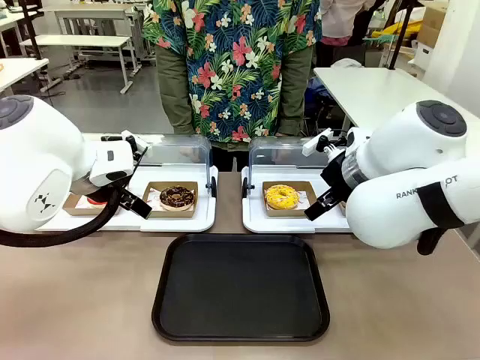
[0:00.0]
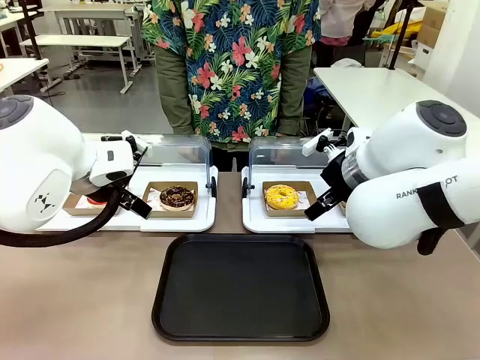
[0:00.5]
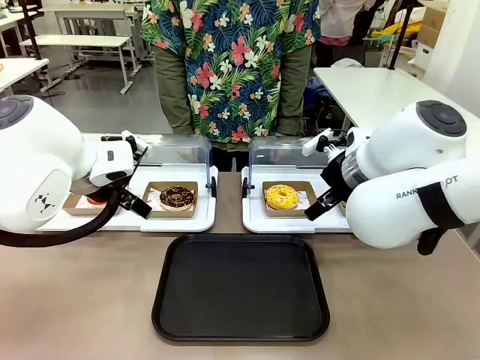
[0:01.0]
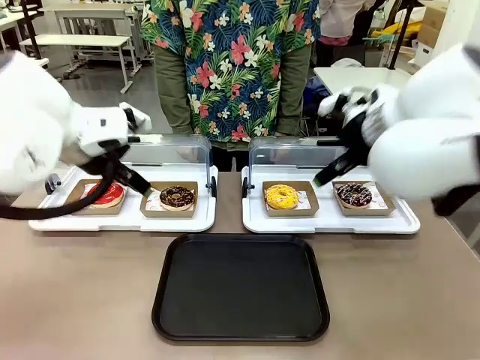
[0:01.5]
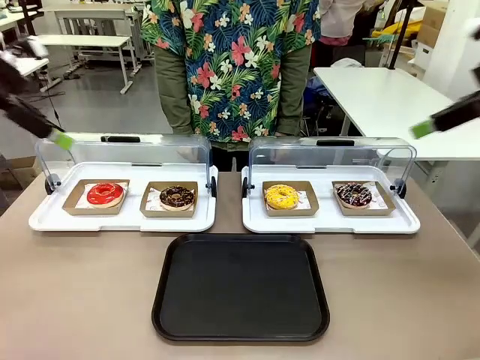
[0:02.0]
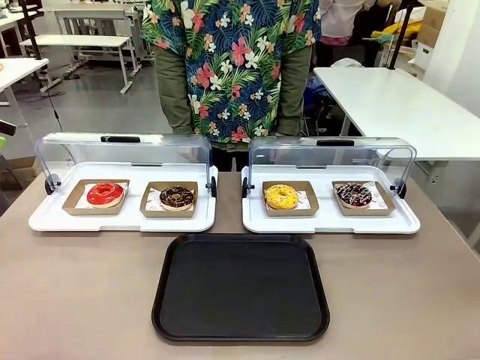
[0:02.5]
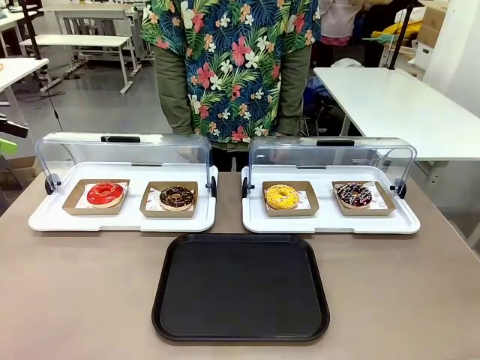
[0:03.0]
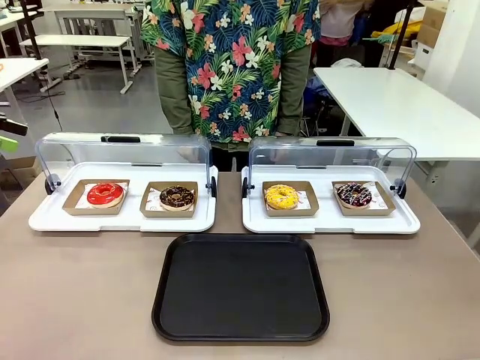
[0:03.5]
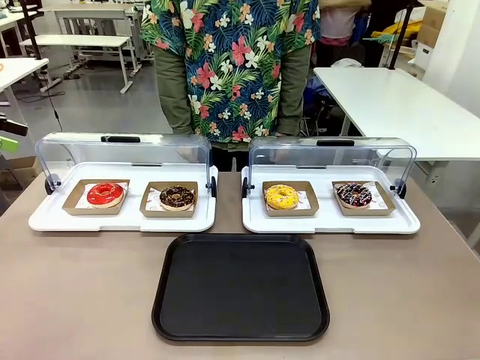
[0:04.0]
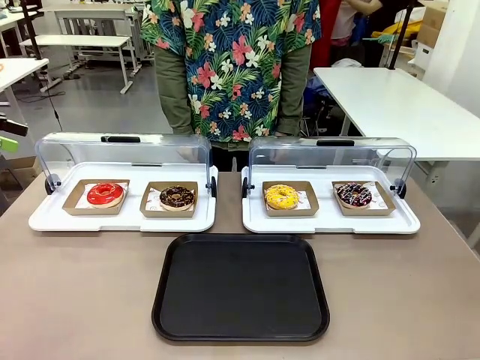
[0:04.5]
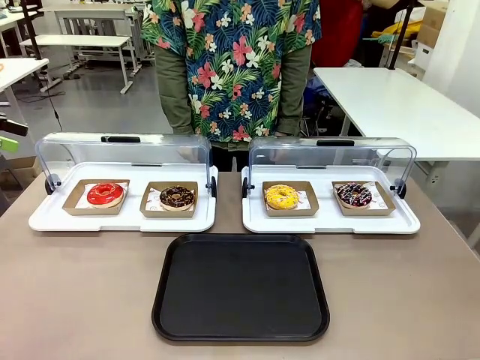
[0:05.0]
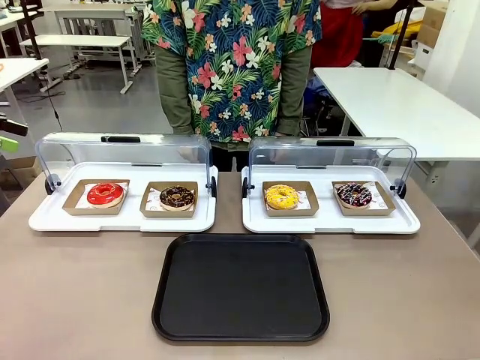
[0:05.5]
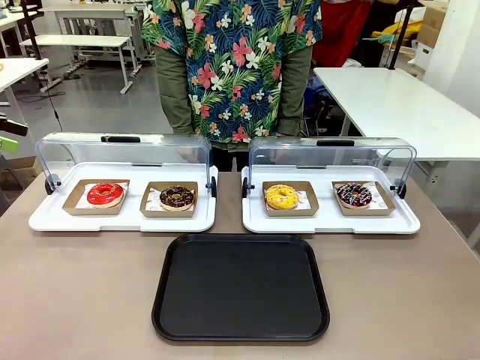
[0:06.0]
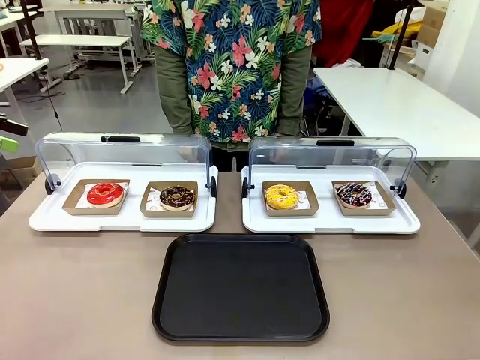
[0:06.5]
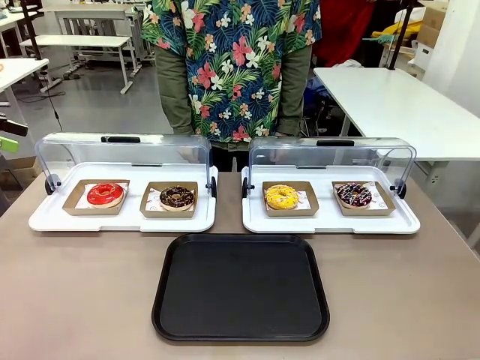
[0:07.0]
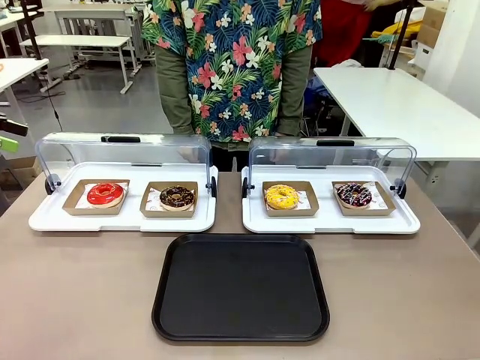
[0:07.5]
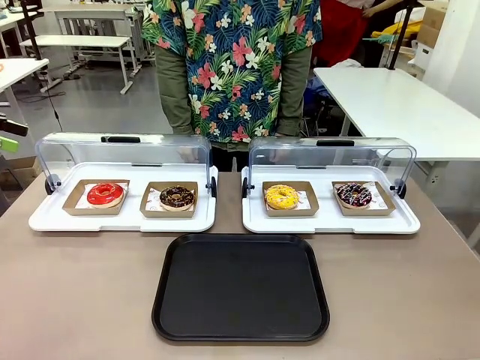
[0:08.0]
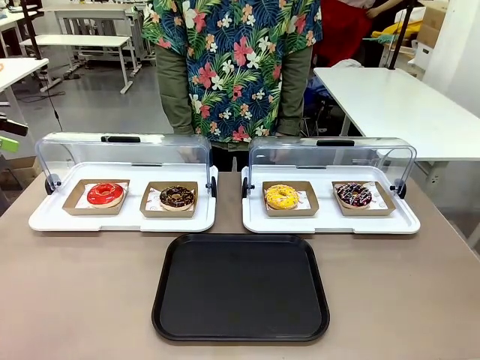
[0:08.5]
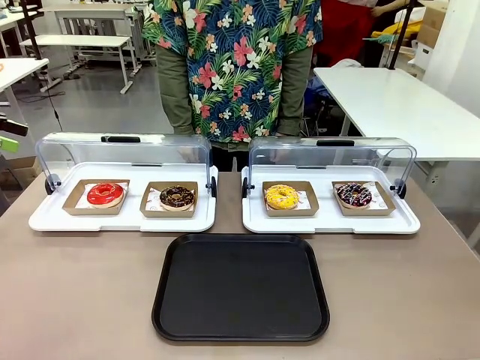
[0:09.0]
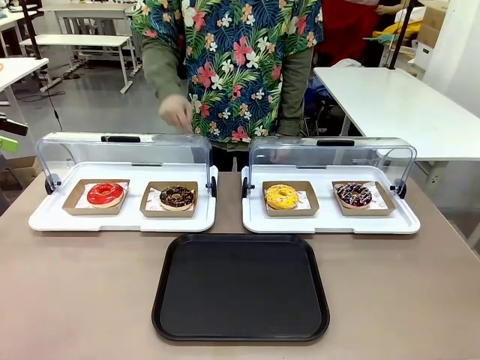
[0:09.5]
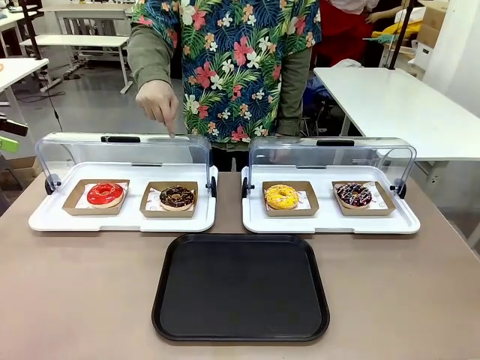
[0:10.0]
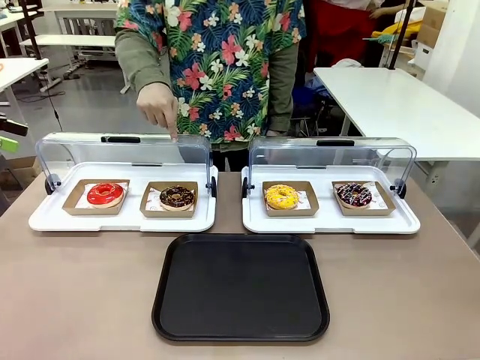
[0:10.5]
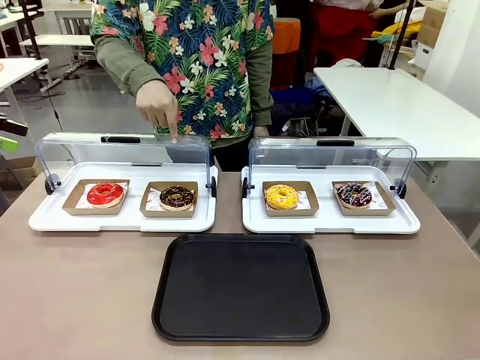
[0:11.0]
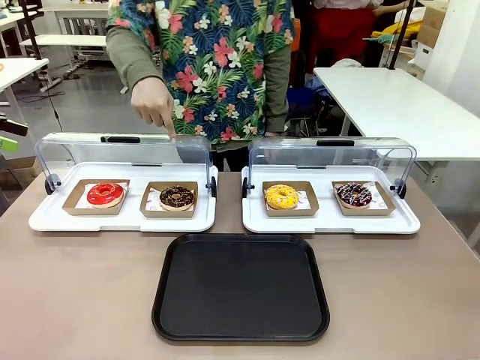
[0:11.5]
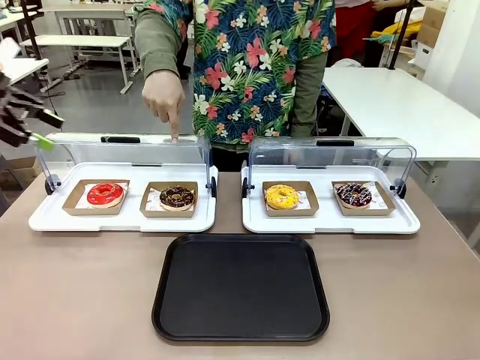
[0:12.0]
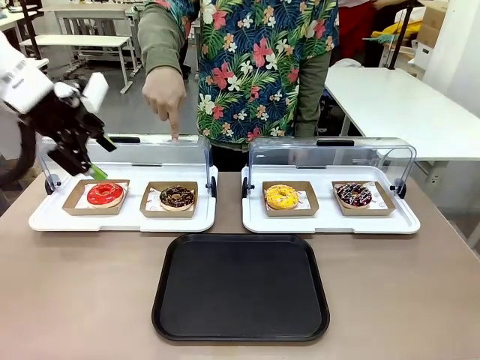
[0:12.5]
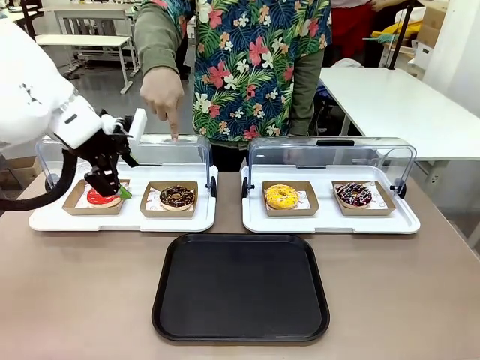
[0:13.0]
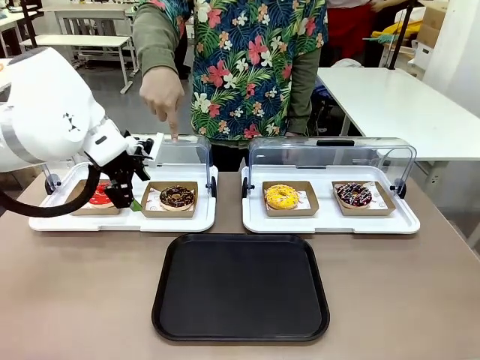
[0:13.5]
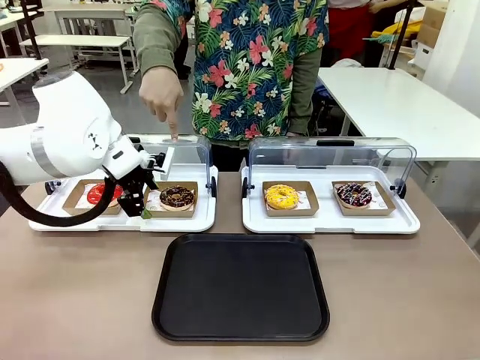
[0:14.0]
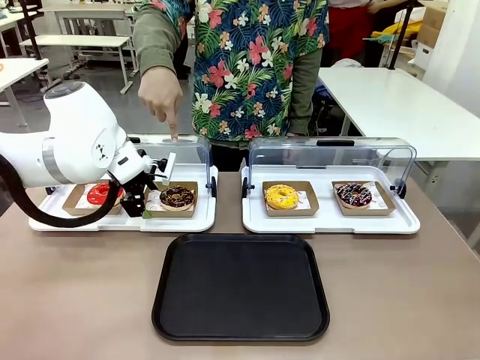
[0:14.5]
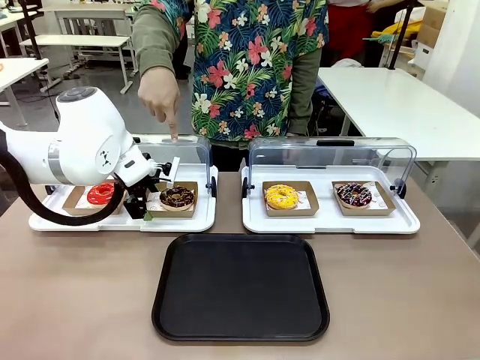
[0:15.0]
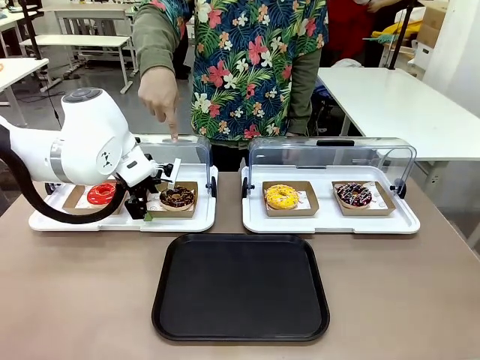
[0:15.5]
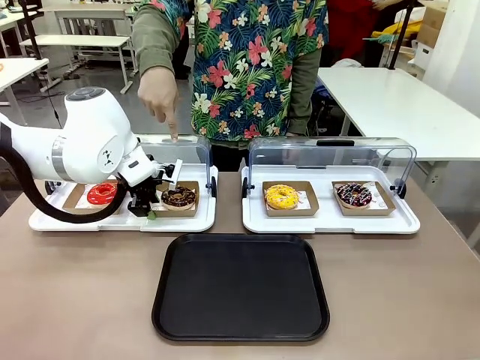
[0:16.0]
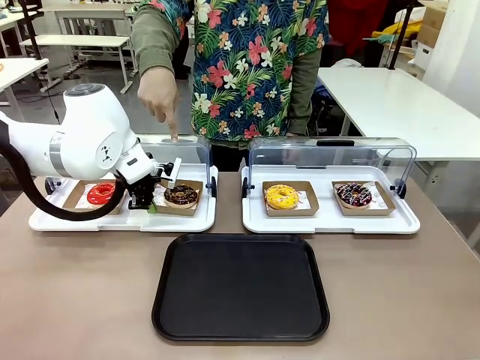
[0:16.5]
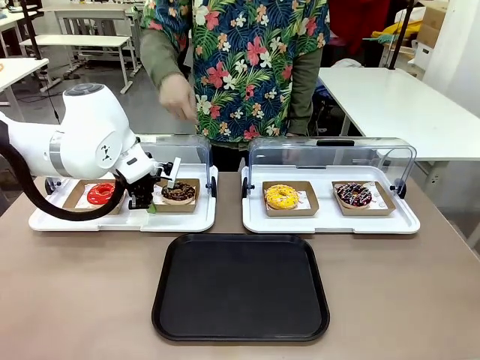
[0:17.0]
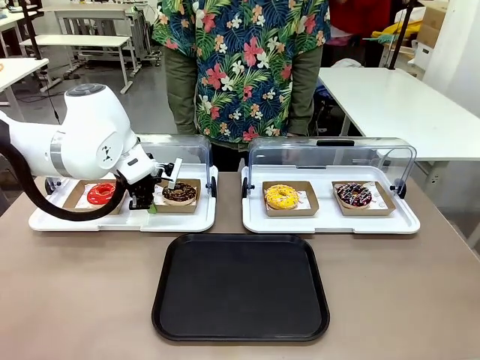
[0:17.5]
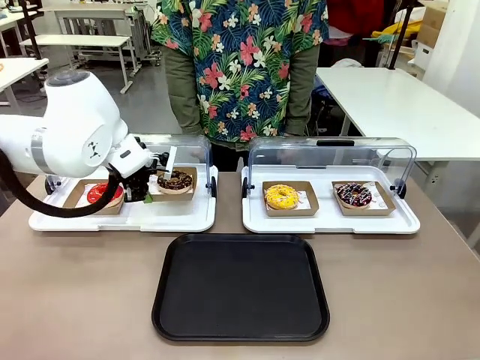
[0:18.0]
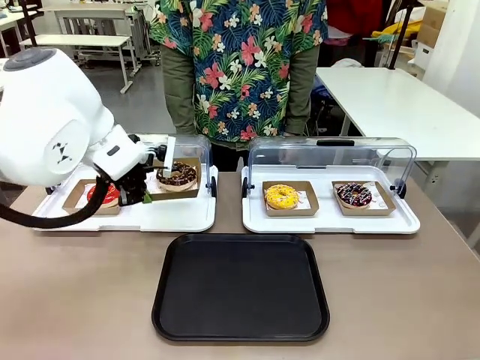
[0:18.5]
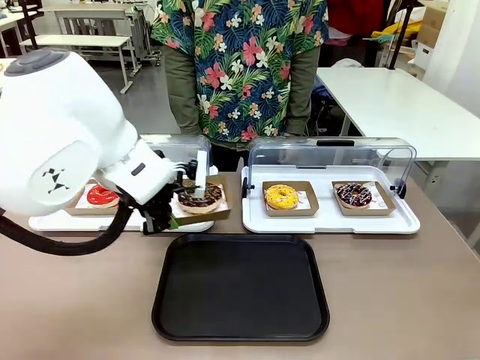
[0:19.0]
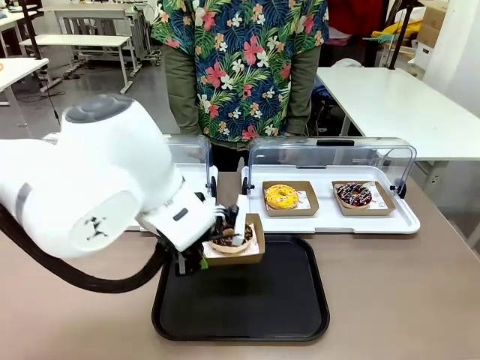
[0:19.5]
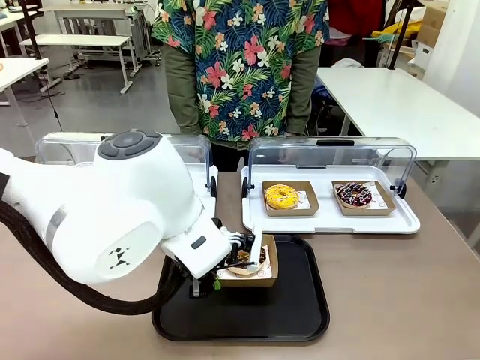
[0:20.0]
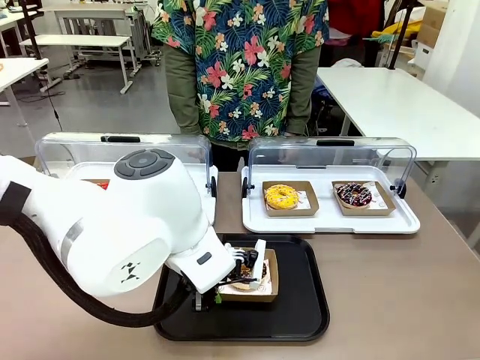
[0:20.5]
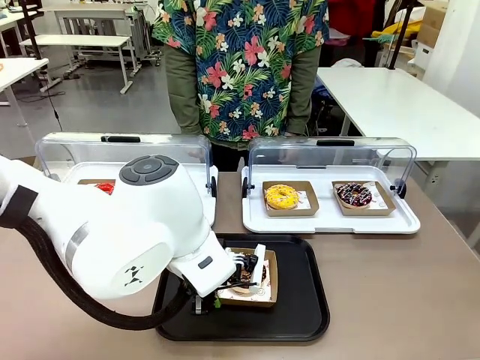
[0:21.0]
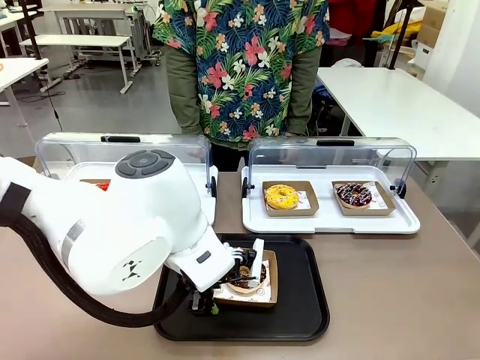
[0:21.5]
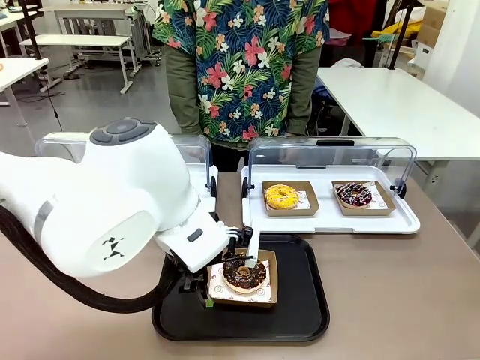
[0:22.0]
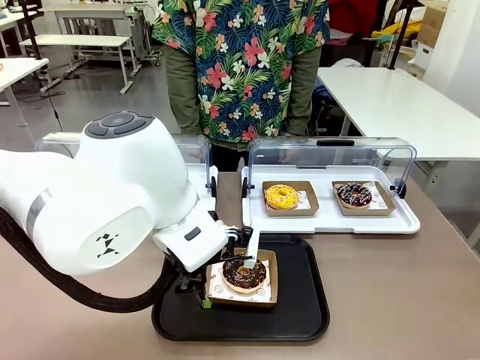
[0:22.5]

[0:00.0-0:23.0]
Task: Move the second donut from the left to the tray.
Robot: Pick up the Paper togo box containing the Donut indicated by the person and place it on the Handle tray.
Person: Points to the second donut from the left from the robot’s perspective.
